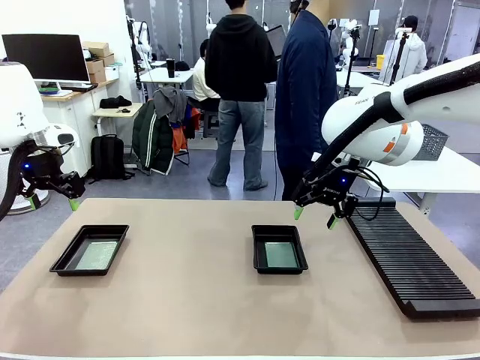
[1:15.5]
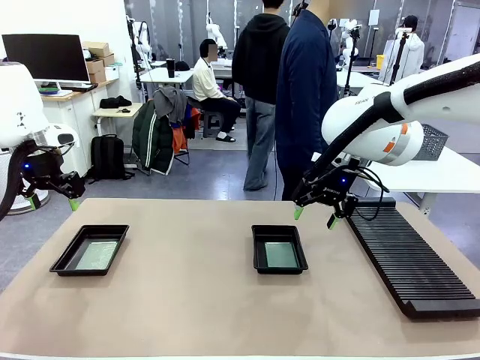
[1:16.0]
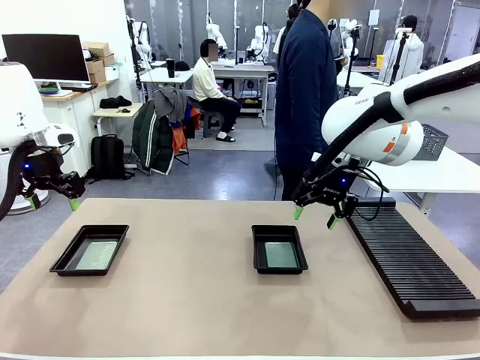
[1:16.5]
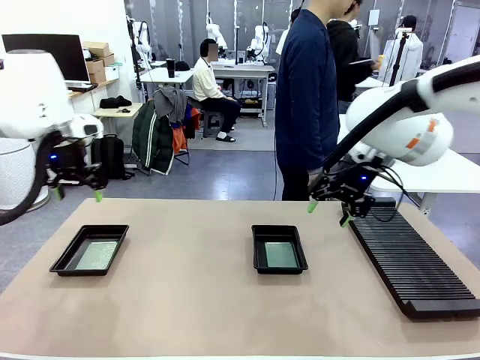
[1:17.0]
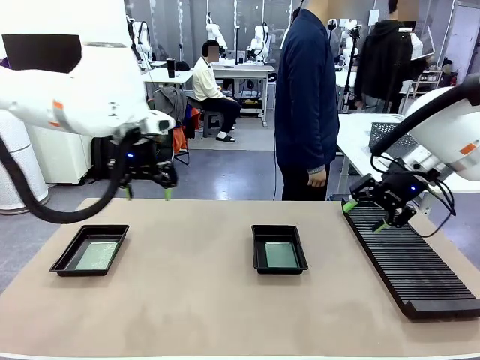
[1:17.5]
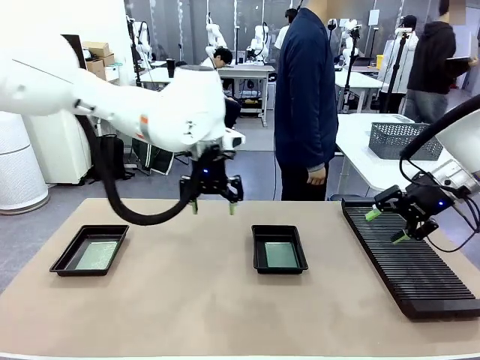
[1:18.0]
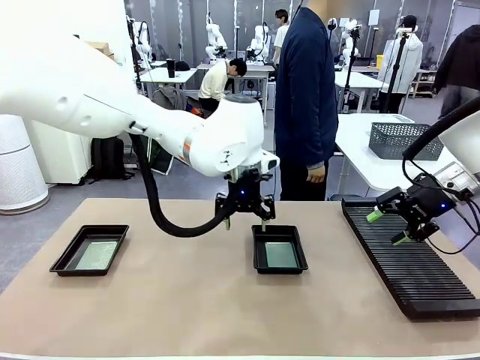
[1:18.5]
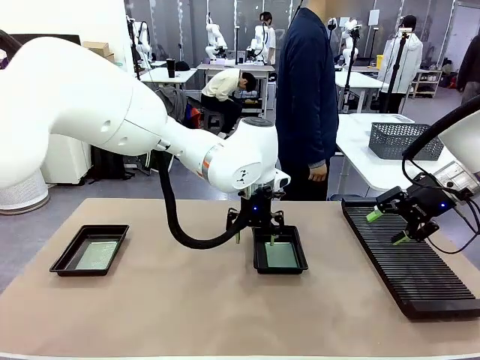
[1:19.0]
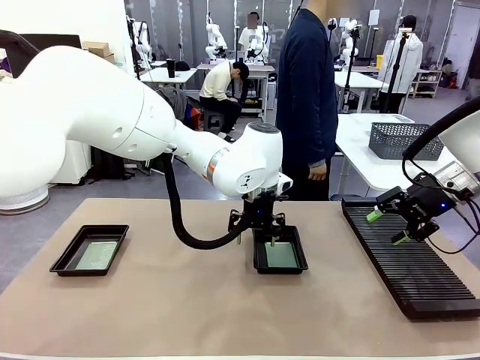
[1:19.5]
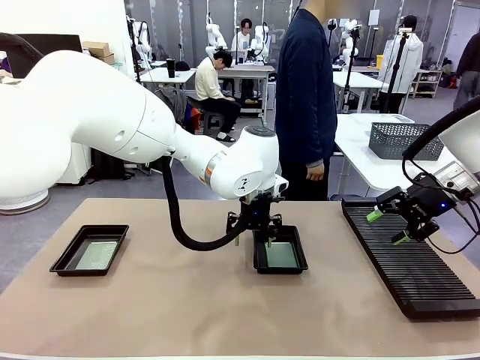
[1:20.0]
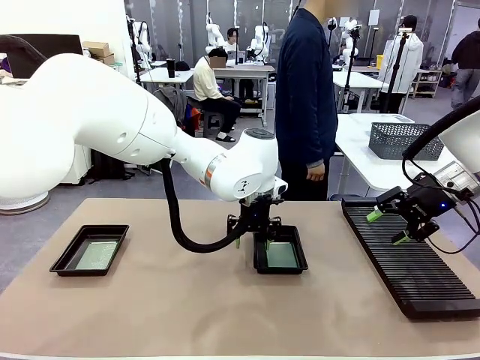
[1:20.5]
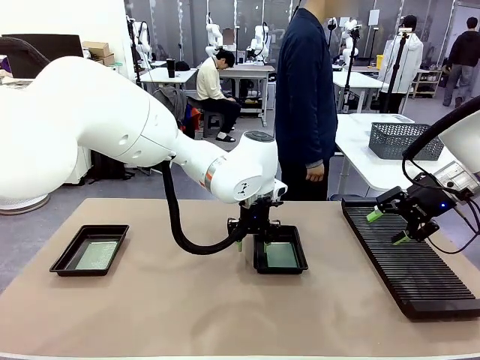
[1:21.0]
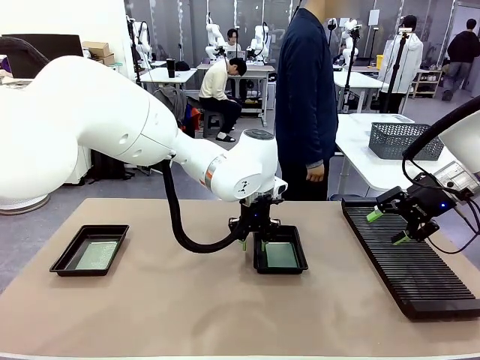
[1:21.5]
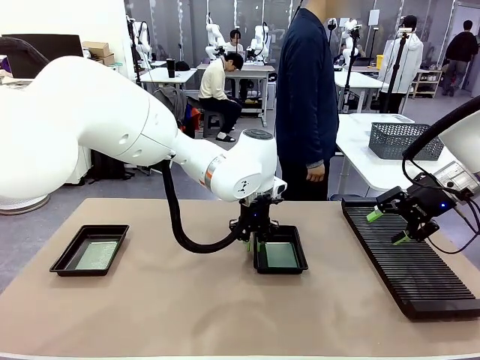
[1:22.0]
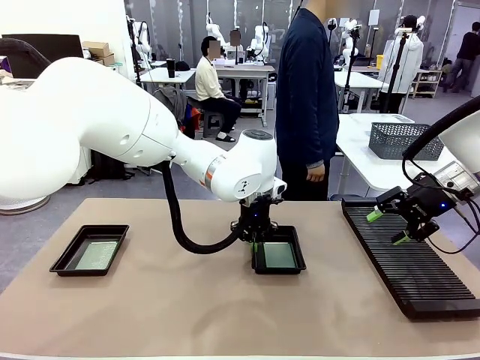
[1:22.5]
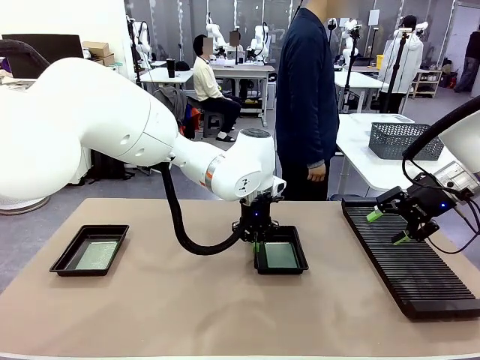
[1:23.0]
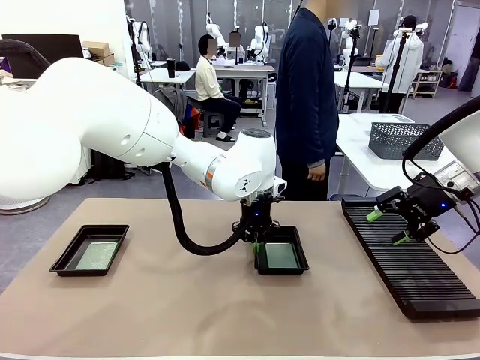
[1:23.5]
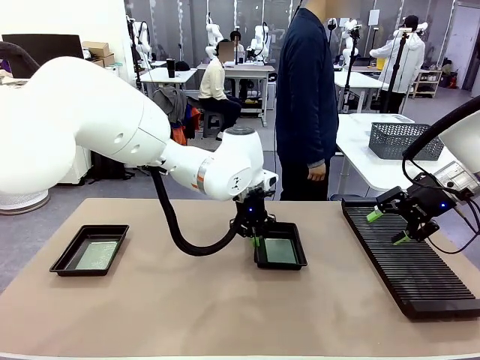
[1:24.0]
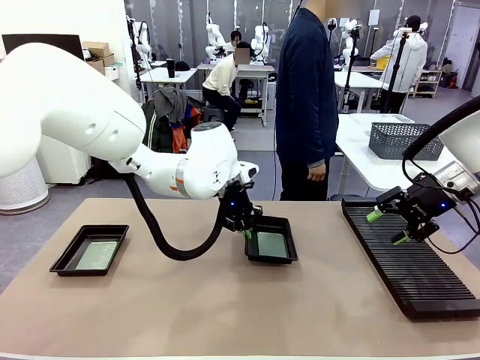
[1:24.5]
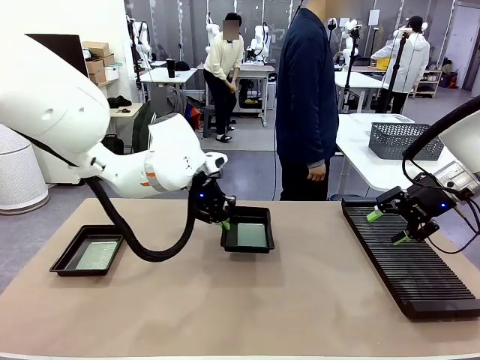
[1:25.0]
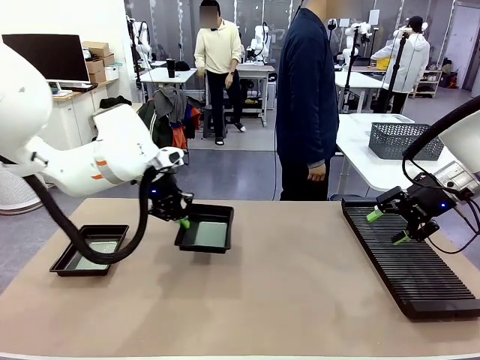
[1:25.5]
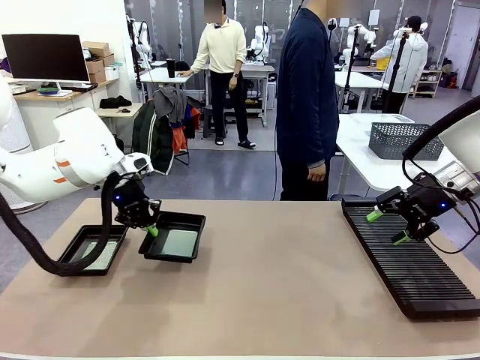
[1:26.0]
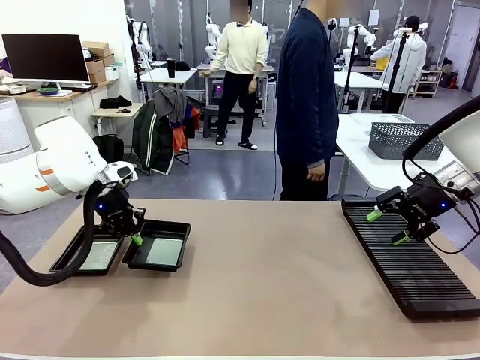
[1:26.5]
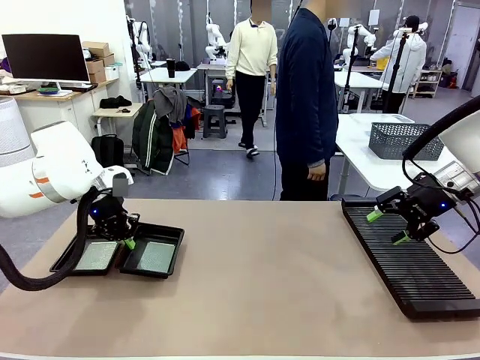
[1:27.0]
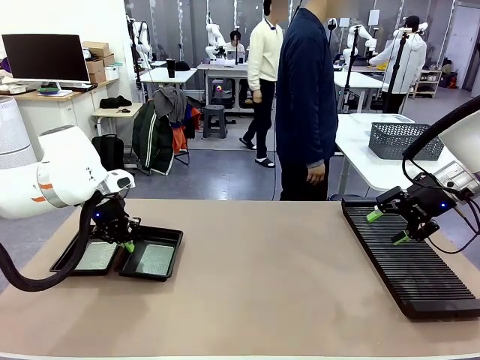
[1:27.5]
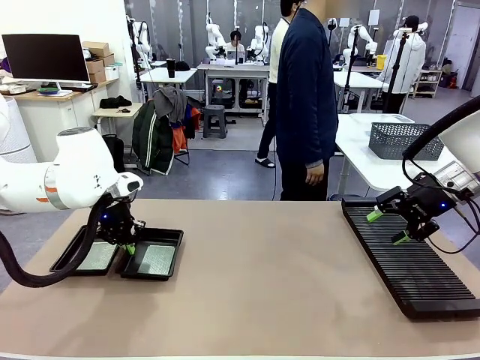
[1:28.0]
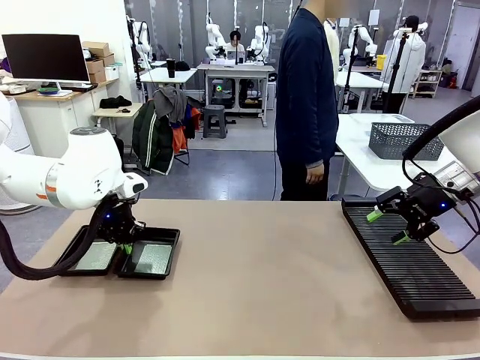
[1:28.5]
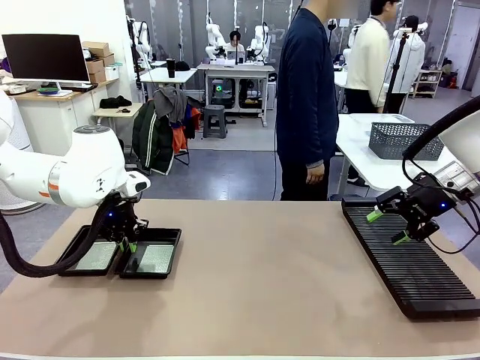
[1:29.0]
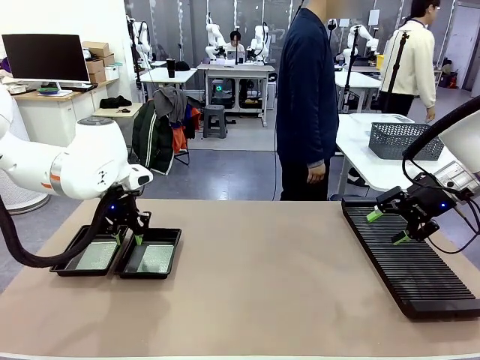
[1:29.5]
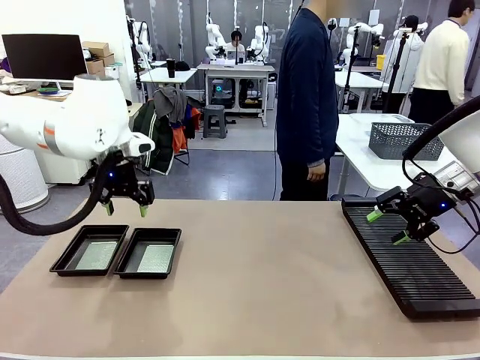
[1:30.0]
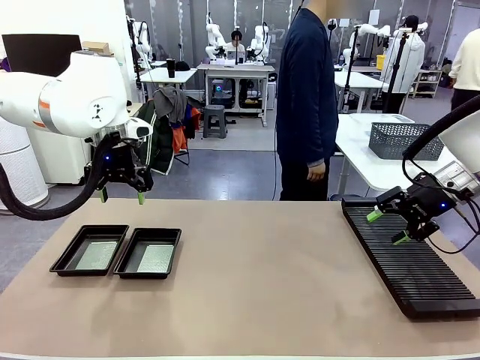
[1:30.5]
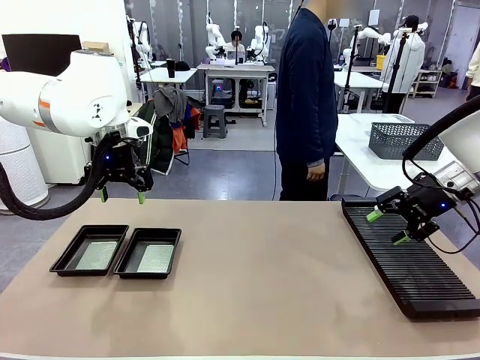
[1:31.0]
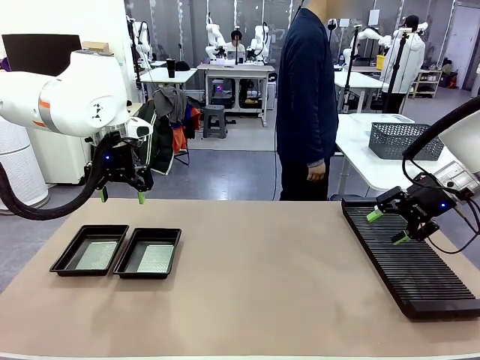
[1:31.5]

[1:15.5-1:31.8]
Task: Inspect and transfer BCBs to ESD trays.
Robot: Pick up the ESD tray and place it on the left side of the table.
